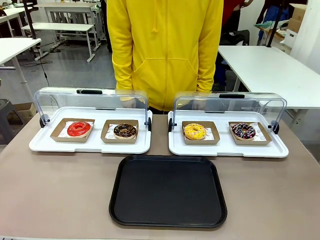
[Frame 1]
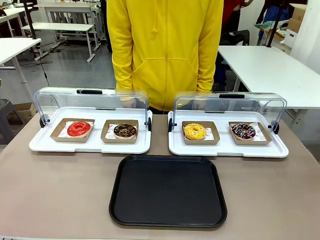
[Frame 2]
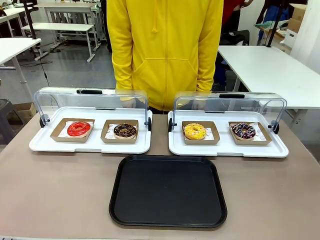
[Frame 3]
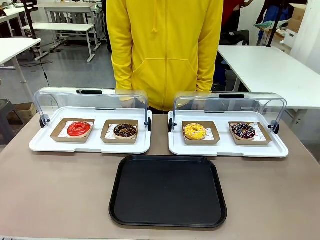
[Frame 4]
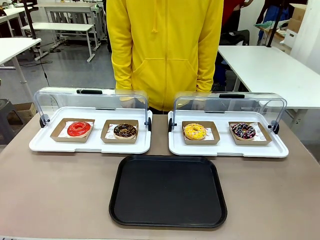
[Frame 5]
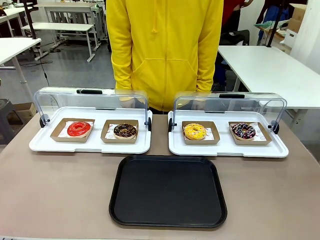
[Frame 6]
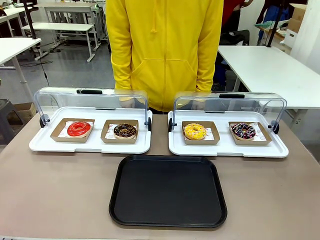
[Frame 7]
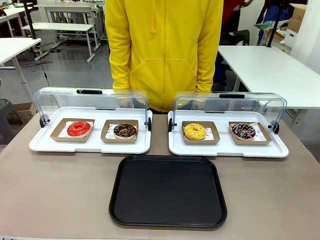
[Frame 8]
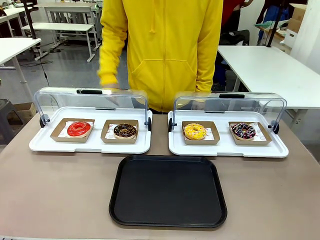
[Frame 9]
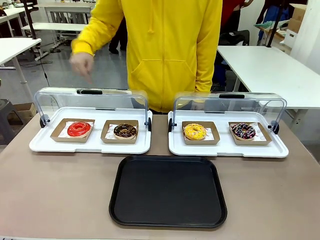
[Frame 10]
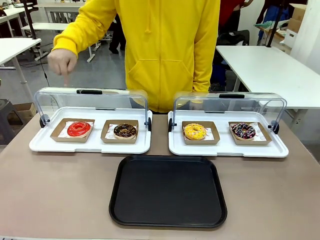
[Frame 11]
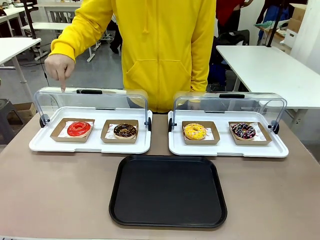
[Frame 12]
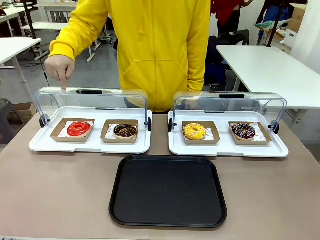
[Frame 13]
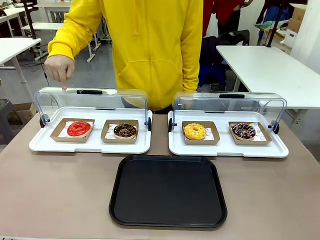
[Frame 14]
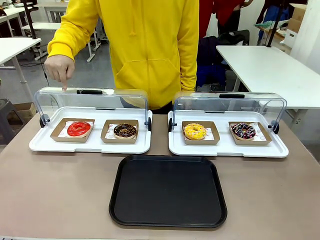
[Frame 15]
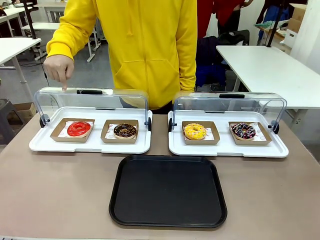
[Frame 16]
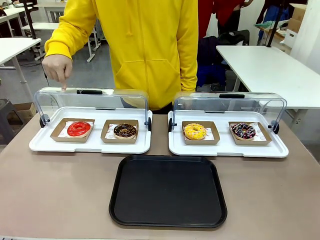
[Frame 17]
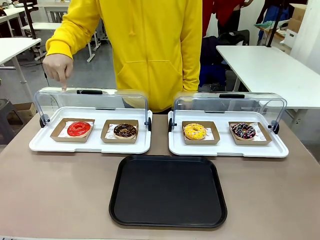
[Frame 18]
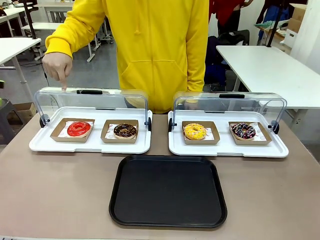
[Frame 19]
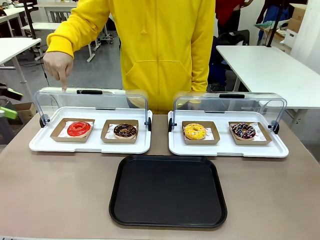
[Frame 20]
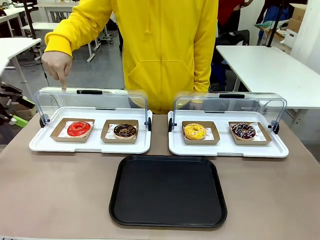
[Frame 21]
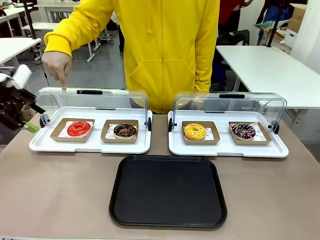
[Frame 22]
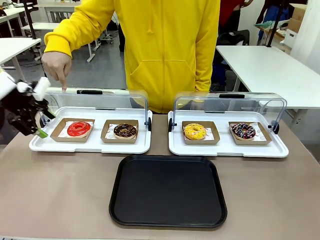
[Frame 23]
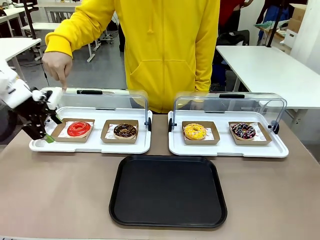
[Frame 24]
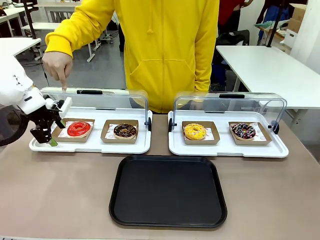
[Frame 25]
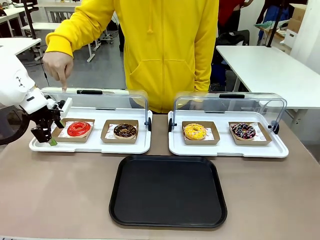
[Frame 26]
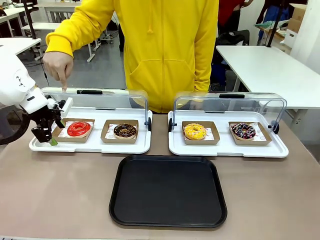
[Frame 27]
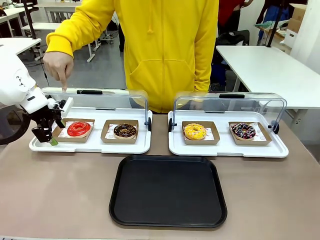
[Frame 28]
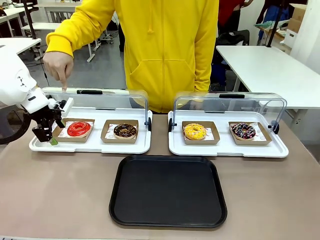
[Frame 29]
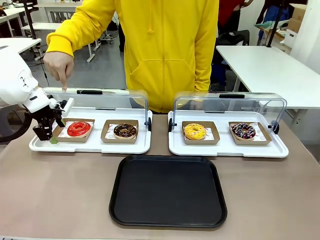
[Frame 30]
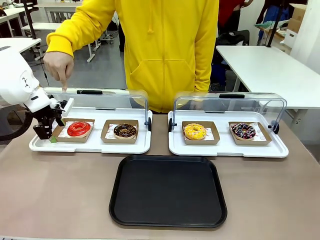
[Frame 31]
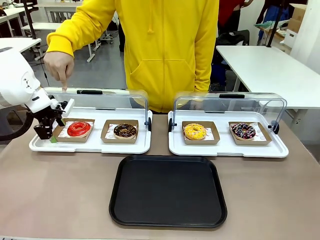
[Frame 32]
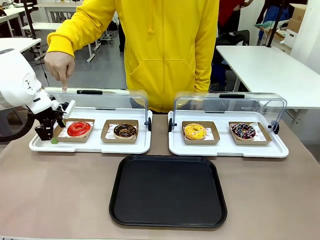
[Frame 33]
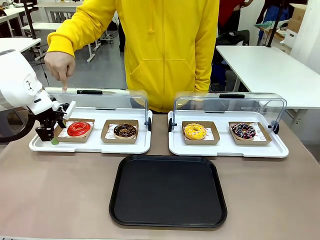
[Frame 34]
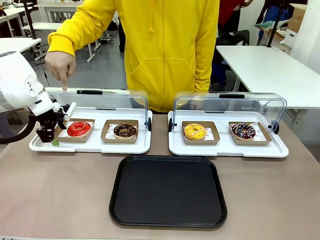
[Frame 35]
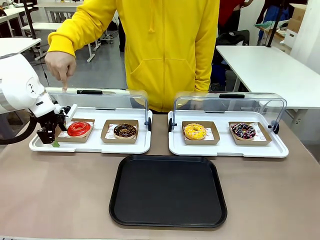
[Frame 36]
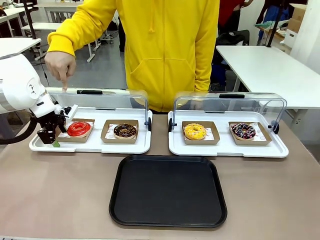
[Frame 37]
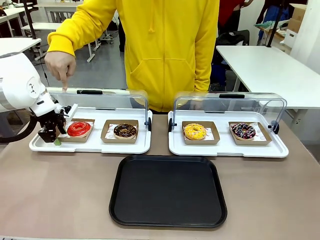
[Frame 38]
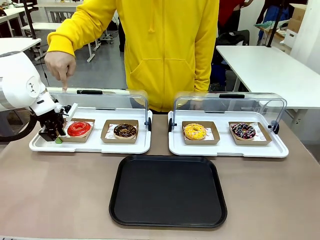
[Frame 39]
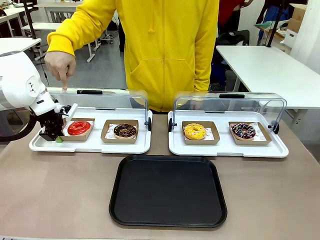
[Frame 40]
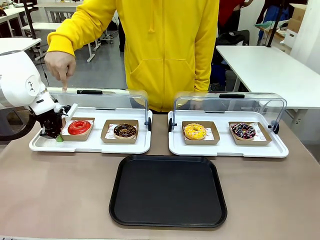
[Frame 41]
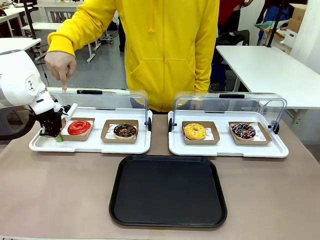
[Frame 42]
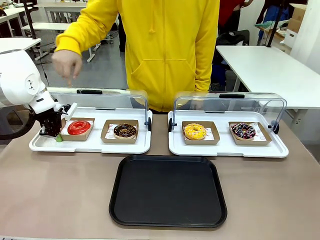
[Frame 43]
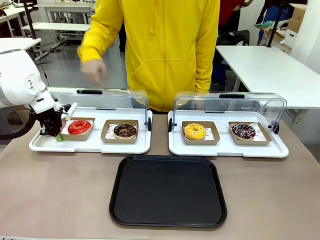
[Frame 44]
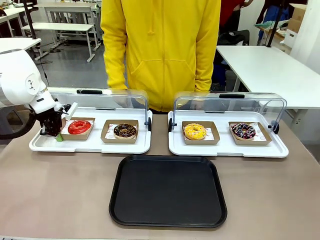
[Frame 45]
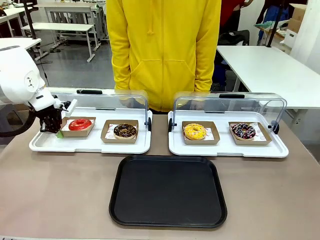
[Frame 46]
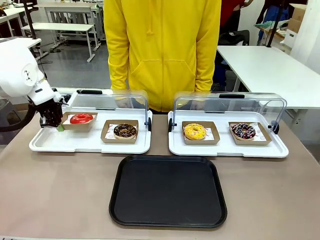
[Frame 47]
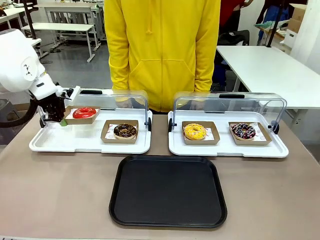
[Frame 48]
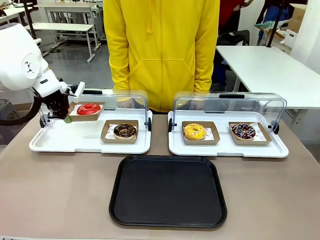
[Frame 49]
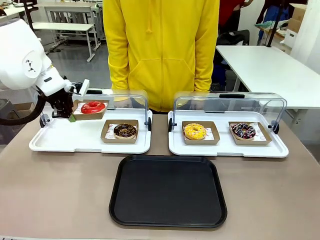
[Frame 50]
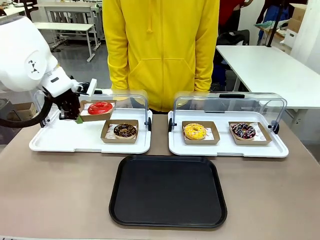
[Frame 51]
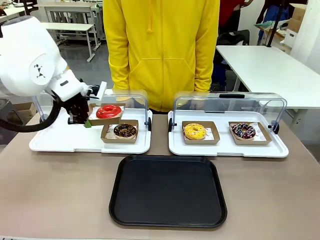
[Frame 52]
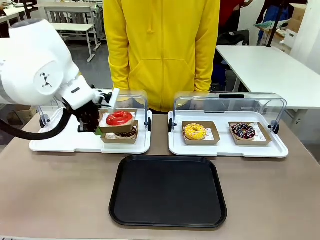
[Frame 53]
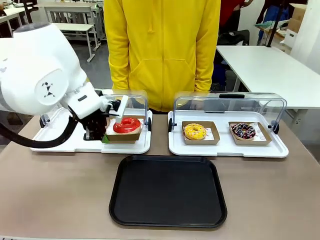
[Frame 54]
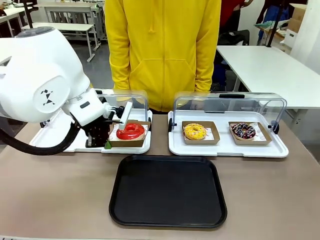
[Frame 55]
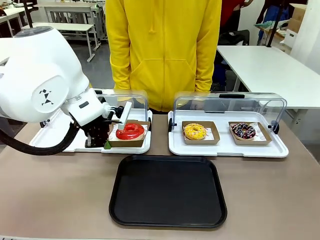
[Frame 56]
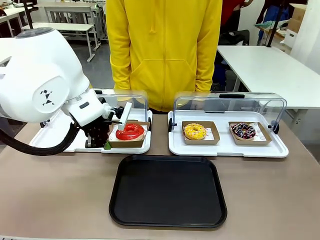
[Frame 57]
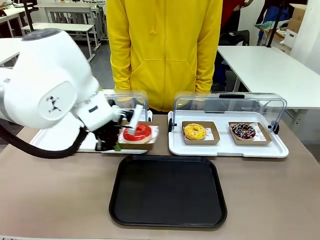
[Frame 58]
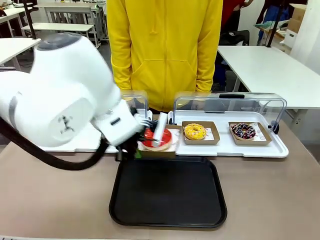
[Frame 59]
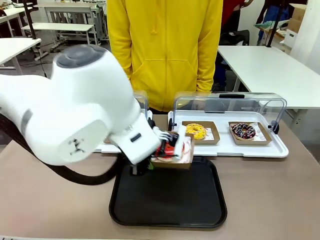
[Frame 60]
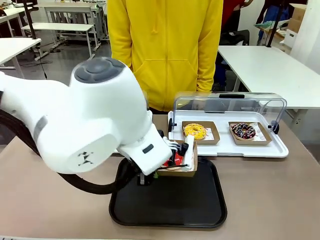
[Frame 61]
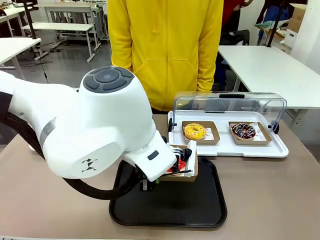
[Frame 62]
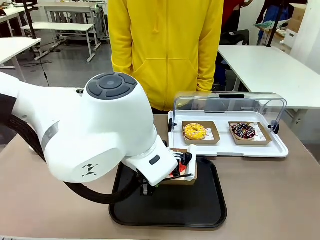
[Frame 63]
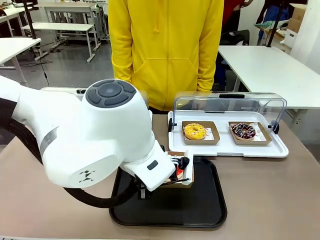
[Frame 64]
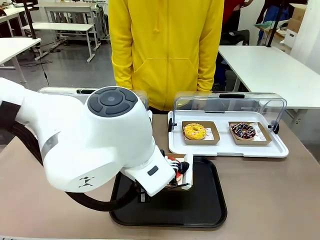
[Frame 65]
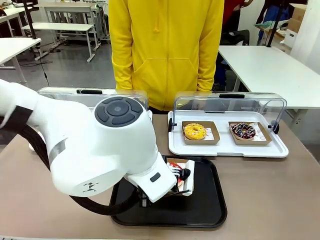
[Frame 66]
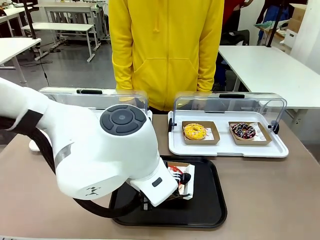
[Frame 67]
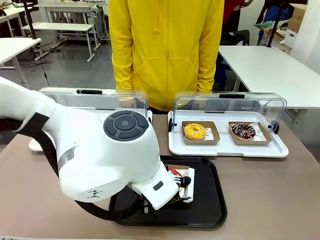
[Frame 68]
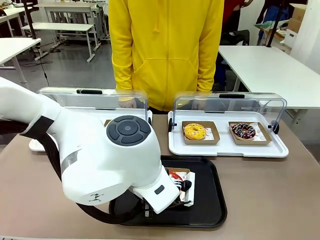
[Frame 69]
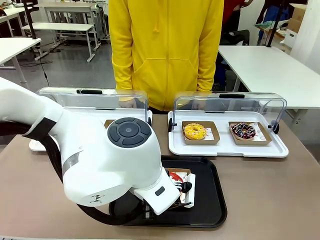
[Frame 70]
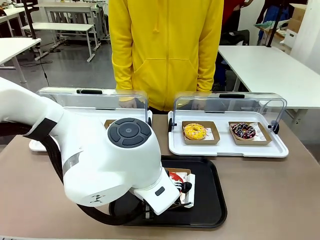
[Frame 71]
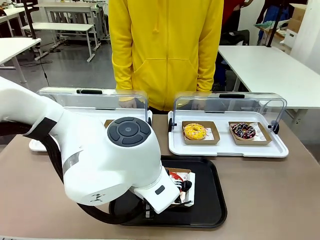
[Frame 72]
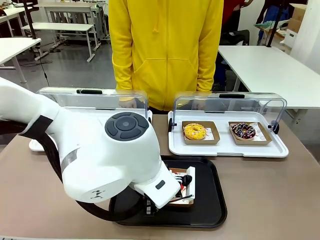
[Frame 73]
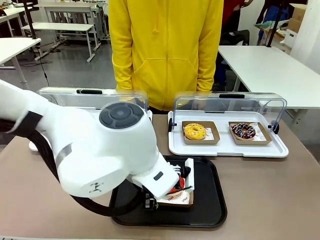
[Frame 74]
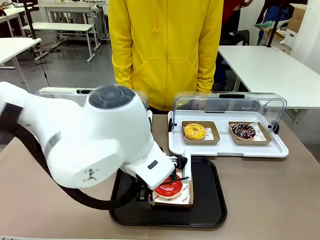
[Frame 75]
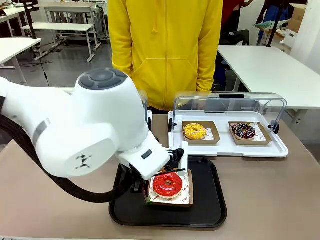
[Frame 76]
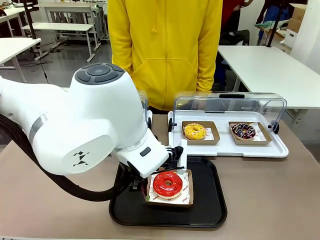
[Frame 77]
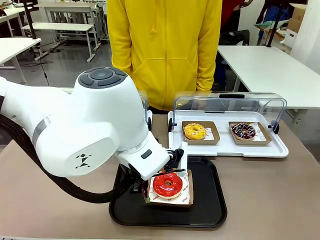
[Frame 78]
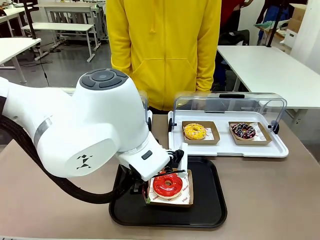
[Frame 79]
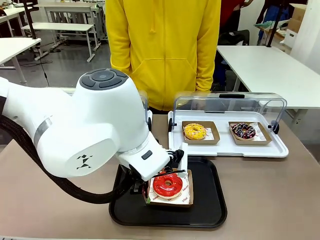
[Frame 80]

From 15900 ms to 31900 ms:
Task: Move the first donut from the left to the tray.
Robot: Pick up the Paper togo box containing the Donut indicated by the person and place it on the Handle tray.
Person: Points to the first donut from the left from the robot’s perspective.
